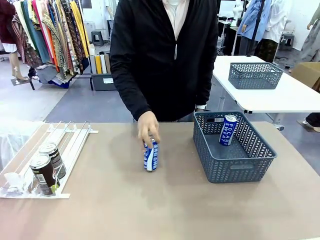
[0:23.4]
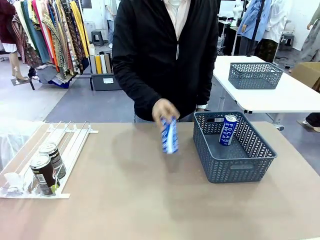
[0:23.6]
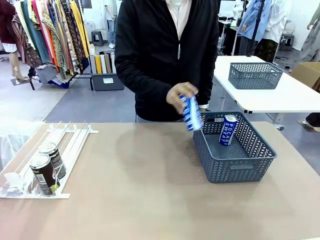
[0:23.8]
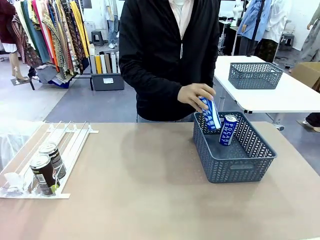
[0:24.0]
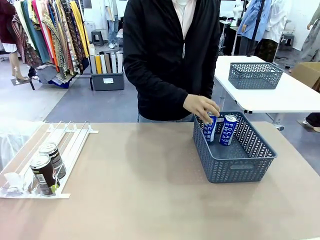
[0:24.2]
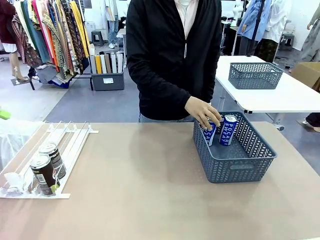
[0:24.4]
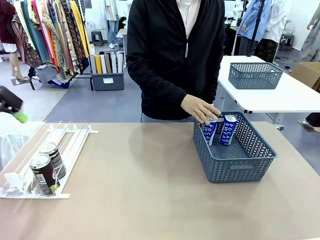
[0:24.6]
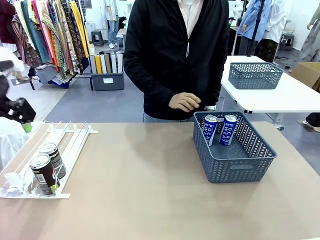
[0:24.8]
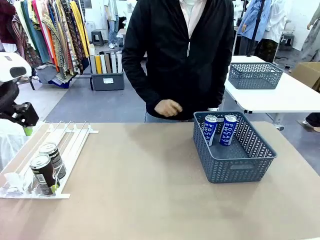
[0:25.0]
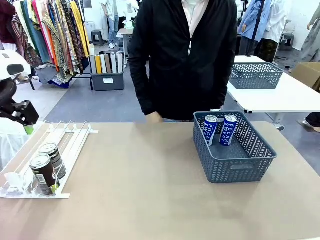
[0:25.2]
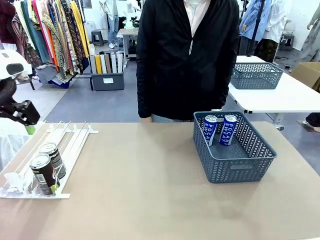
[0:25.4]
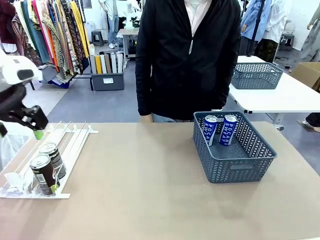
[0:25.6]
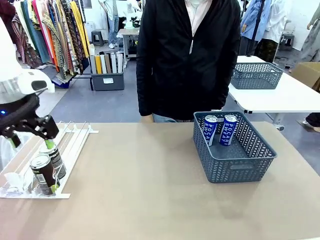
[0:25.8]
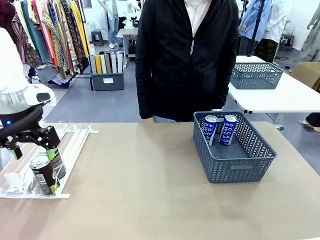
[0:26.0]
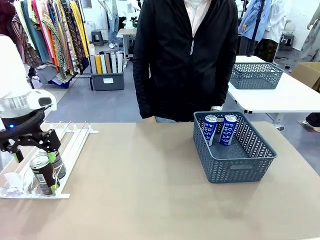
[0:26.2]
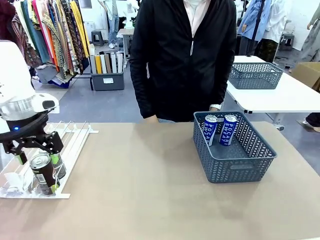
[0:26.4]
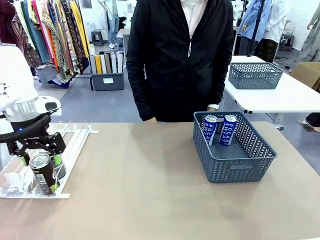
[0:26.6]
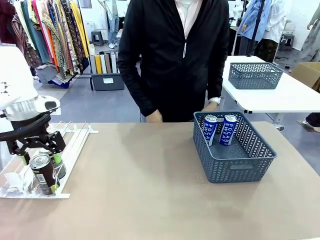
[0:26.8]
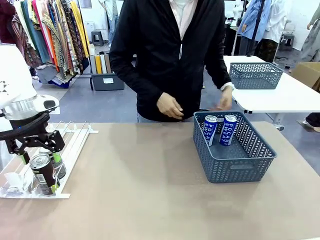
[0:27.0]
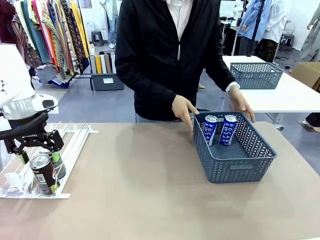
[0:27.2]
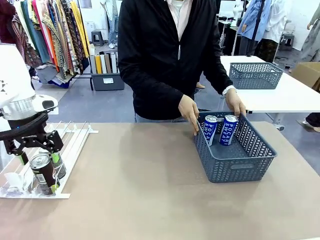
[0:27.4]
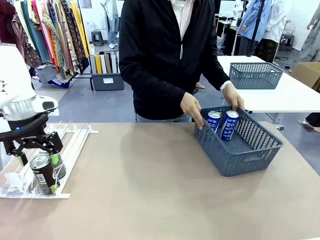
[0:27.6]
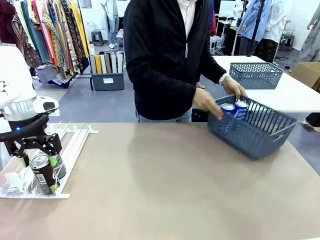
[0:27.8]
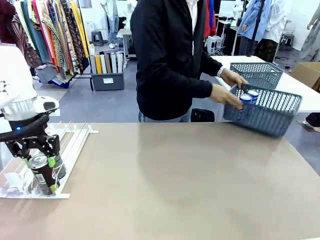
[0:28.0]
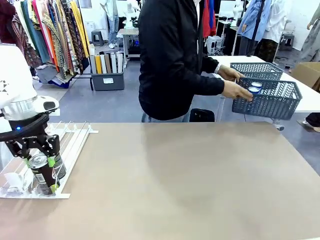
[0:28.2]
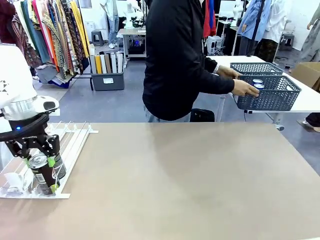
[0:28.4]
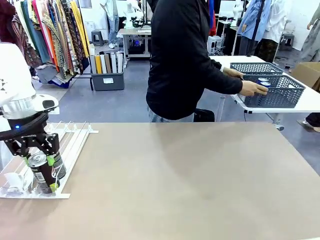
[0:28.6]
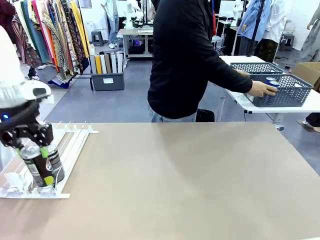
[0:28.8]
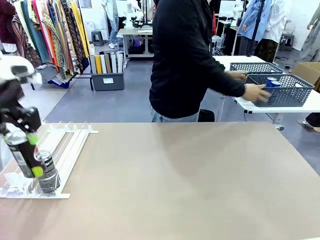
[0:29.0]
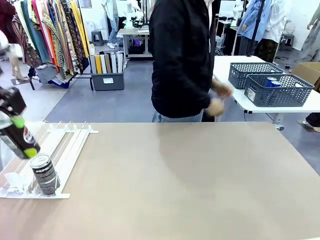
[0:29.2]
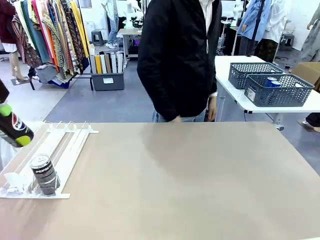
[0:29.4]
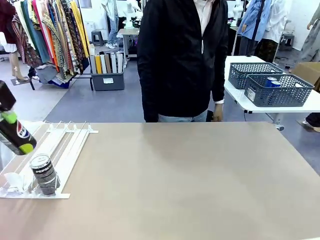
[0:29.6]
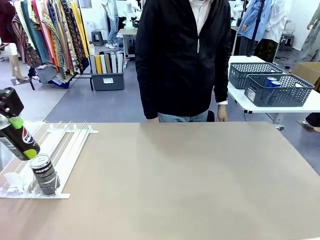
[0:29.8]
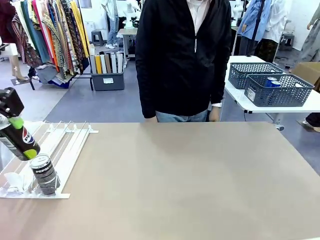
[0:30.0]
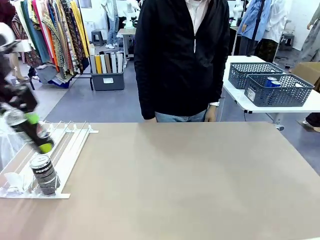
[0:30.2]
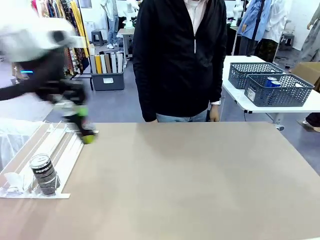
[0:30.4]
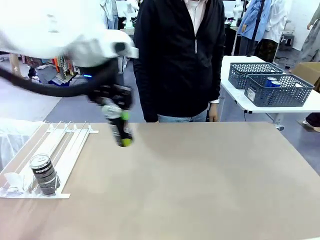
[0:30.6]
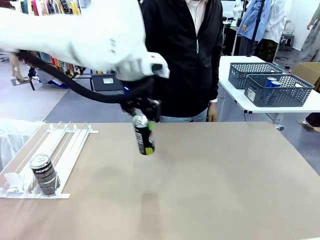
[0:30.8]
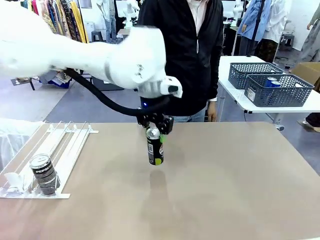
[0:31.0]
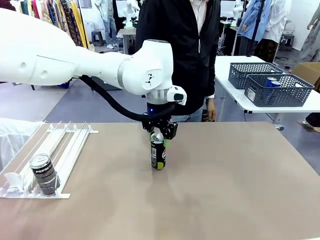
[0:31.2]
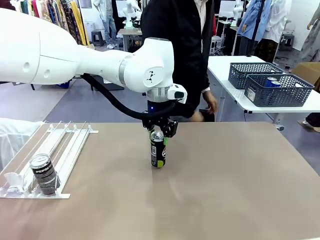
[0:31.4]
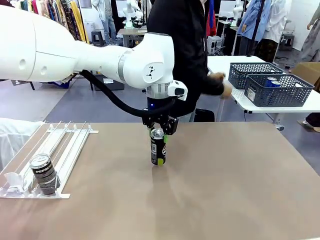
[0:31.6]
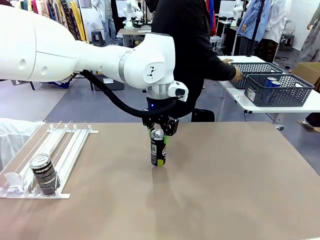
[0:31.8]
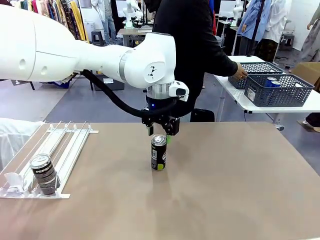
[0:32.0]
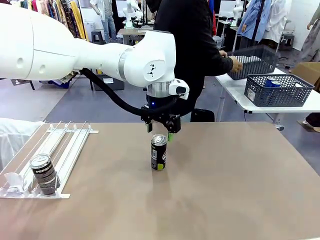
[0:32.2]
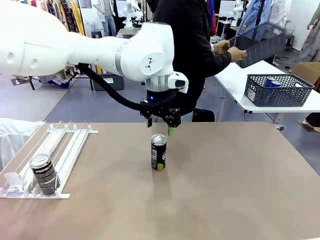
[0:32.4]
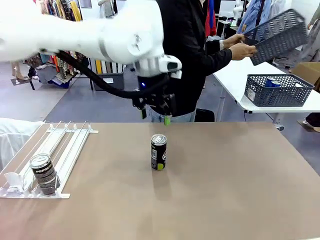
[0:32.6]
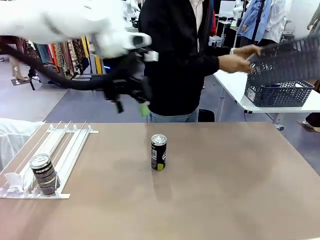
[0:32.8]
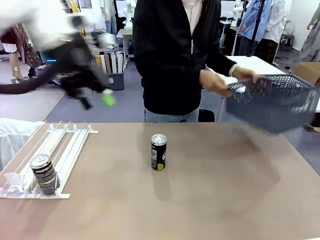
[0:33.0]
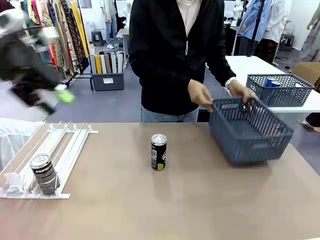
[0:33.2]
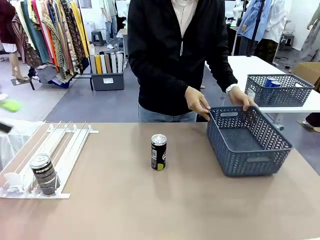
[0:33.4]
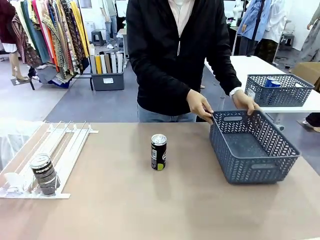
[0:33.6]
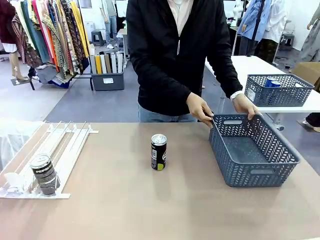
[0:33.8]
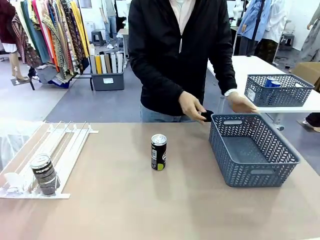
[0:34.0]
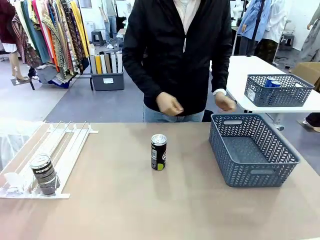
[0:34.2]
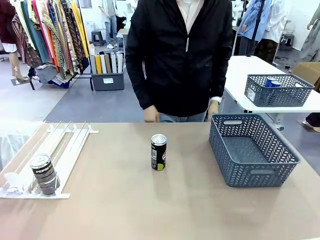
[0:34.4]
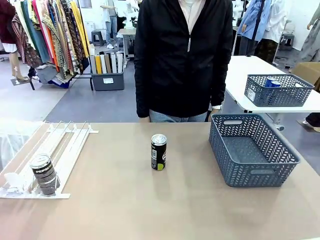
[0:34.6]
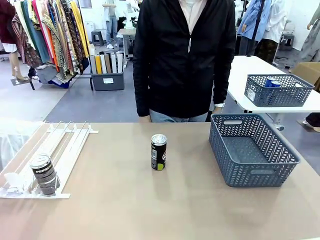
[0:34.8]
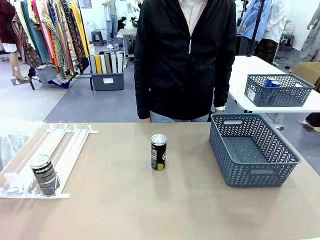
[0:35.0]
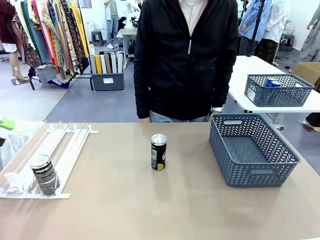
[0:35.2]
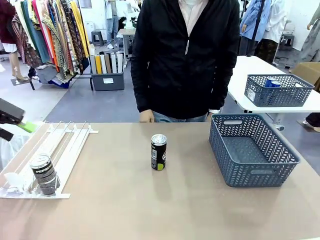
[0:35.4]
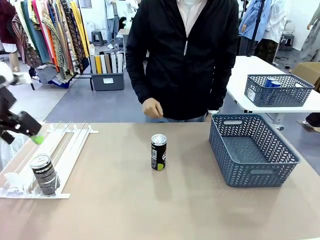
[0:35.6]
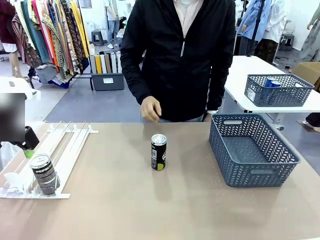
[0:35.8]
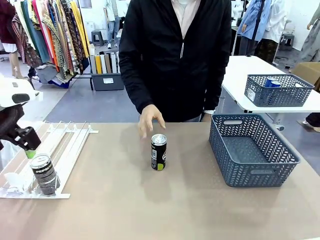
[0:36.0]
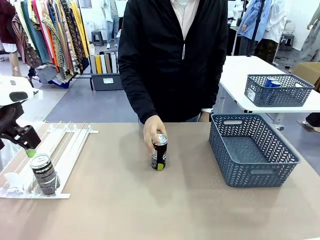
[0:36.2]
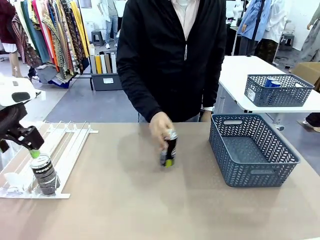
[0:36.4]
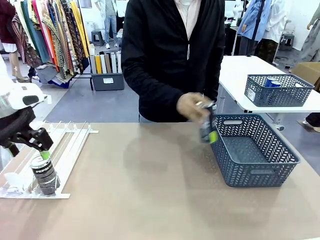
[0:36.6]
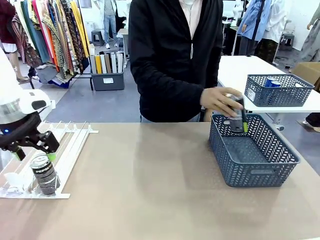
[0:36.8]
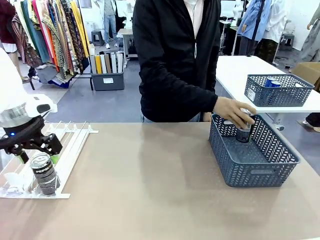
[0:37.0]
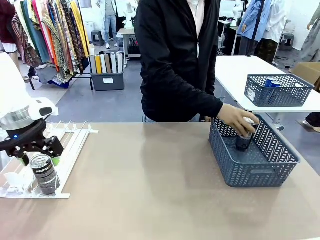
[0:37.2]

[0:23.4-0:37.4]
Task: Retrieve and store the cans from the dispenser.
Robot: Pick up one can from the Automatic Can Dispenser and place it in the middle of the table.
Person: Pick up the basket and place it in the middle of the human table. Pick up the empty basket and place it on the left side of the robot table.

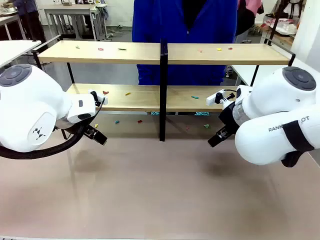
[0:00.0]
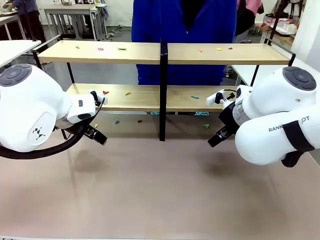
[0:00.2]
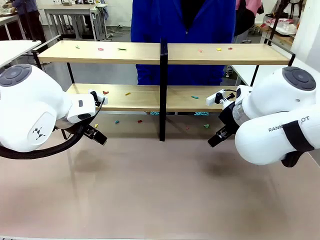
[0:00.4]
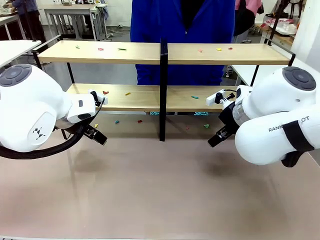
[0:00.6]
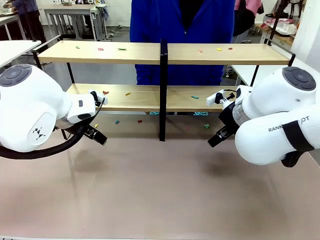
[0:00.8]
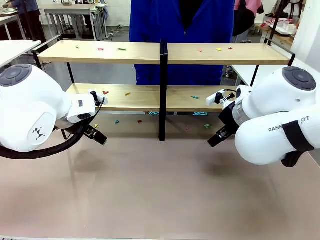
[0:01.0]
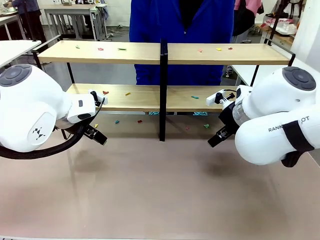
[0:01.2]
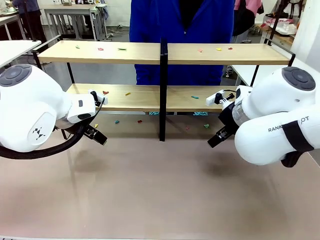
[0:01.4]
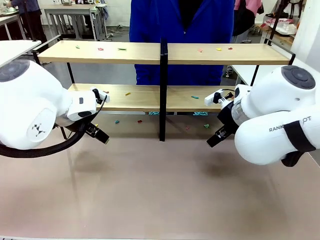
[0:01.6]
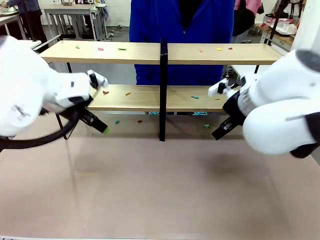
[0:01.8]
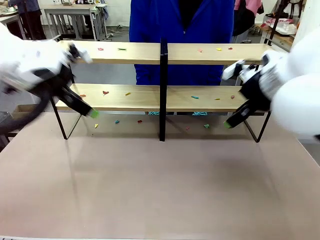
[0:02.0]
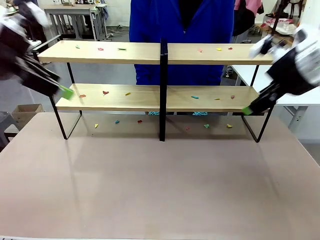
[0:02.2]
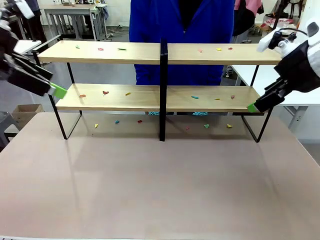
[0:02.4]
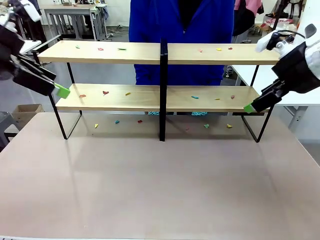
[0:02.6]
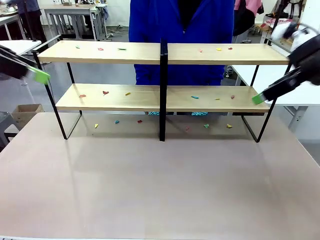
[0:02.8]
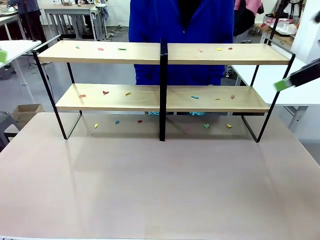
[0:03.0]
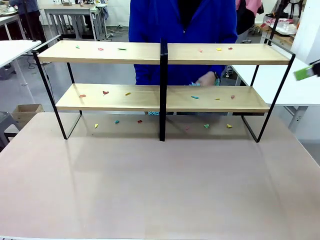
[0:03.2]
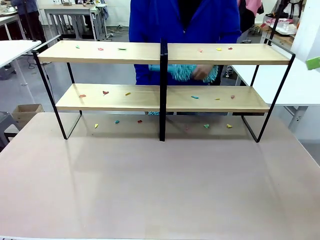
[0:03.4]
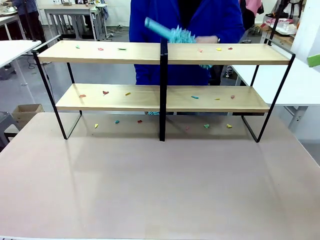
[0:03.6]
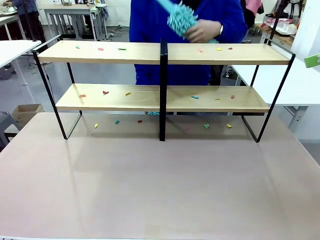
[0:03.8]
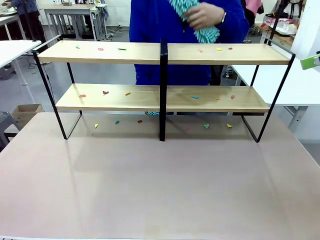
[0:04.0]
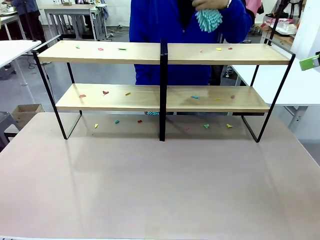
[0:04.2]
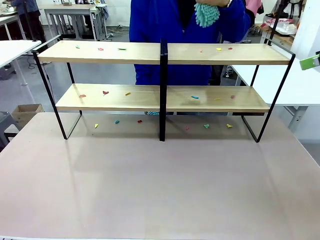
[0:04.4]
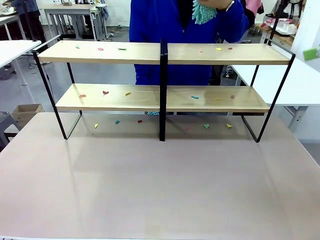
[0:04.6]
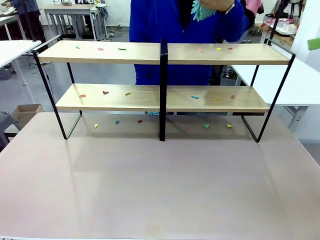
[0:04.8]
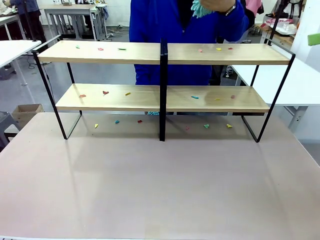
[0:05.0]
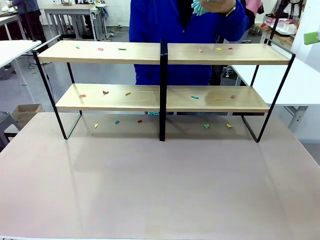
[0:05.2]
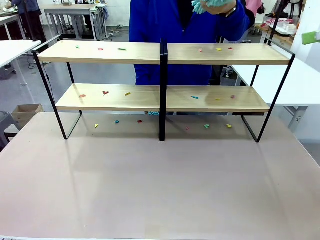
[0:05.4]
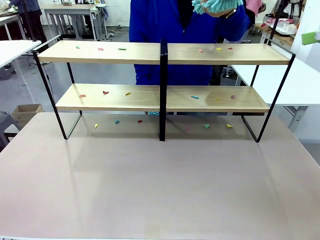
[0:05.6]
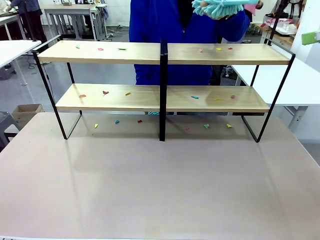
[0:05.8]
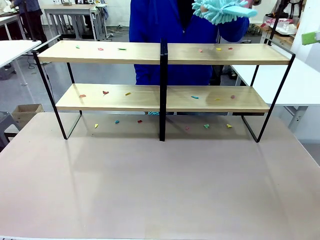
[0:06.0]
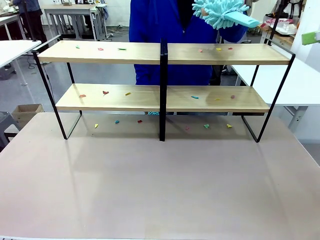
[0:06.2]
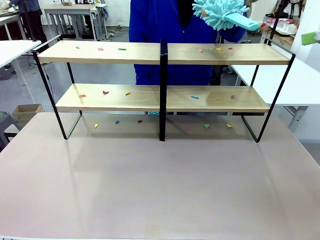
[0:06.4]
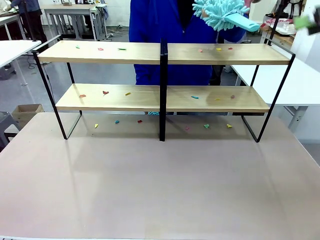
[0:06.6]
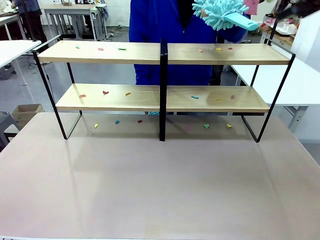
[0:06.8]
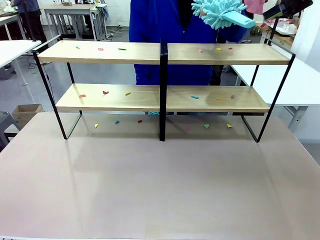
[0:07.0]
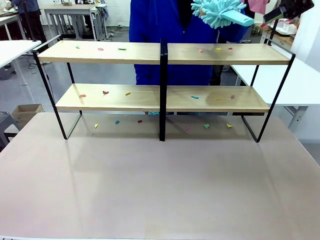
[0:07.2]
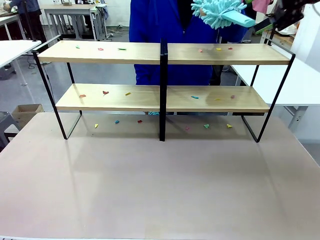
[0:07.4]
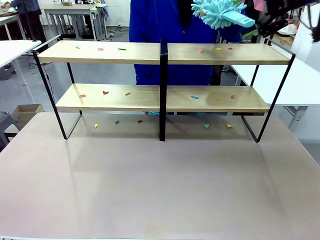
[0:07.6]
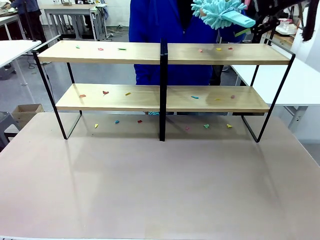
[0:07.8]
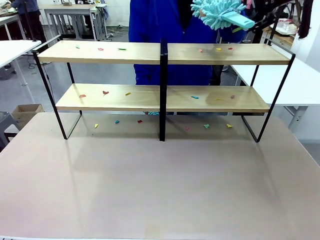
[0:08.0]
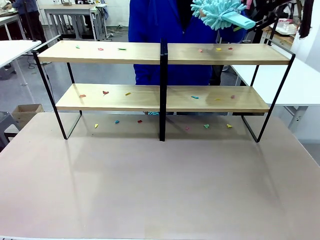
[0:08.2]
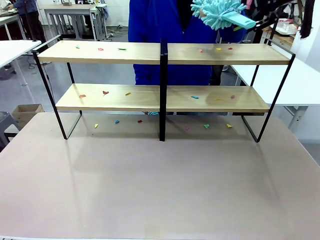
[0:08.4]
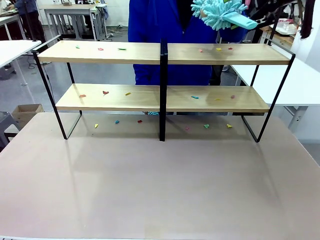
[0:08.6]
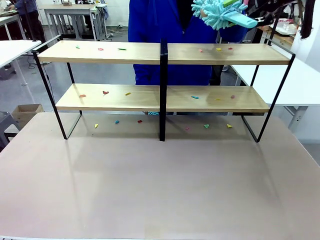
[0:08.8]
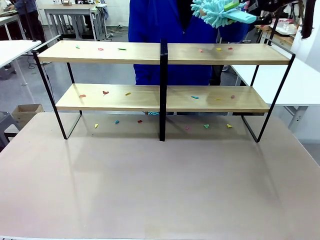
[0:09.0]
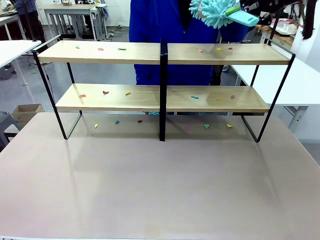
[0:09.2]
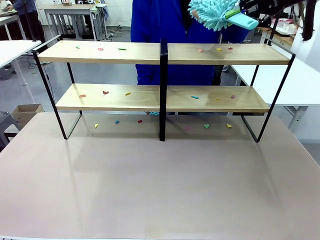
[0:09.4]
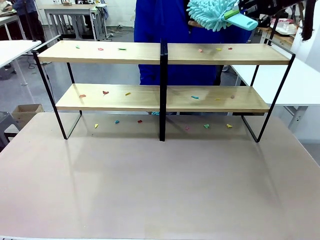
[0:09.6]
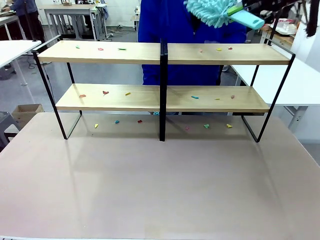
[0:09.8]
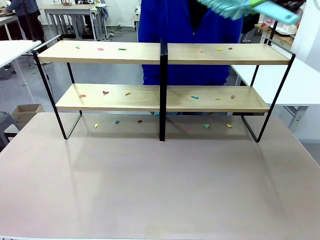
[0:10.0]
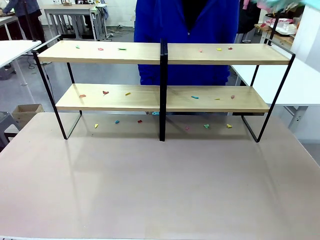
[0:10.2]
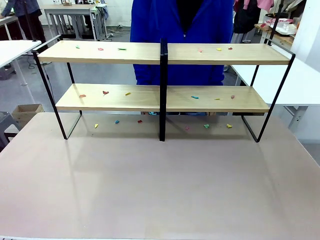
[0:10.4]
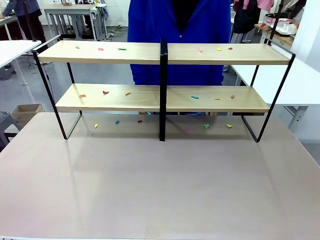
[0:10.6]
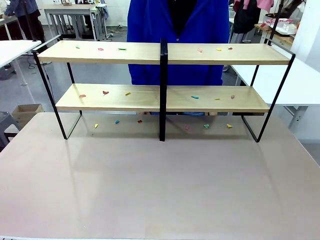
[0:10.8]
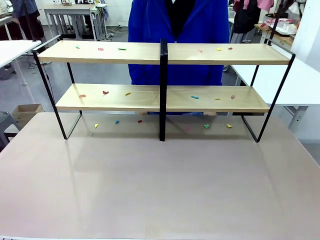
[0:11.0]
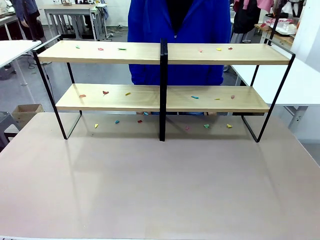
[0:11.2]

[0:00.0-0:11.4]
Task: Clean the shelves.
Robot: Pick up the Duster when the human hands it over.
Person: Hand the Duster to the robot with your right (or left) hand.
